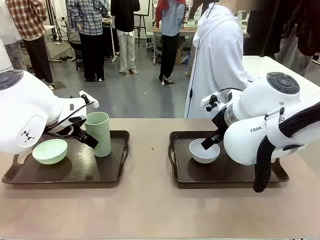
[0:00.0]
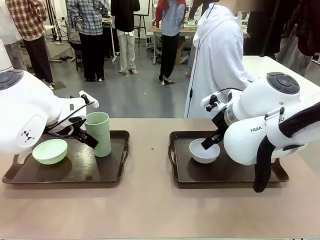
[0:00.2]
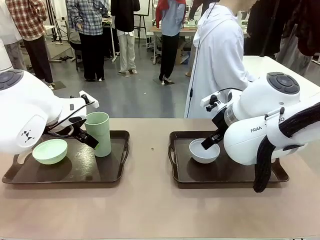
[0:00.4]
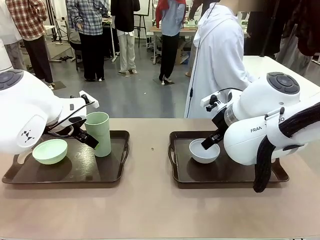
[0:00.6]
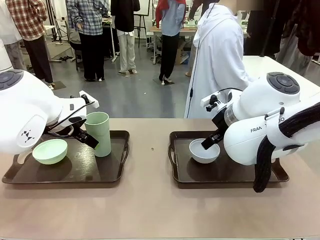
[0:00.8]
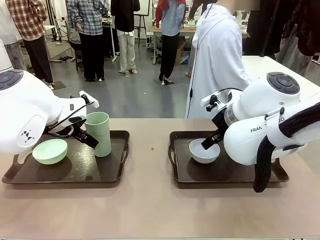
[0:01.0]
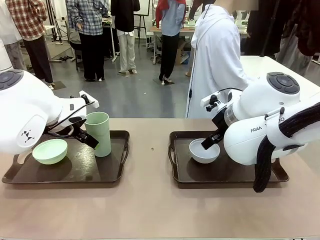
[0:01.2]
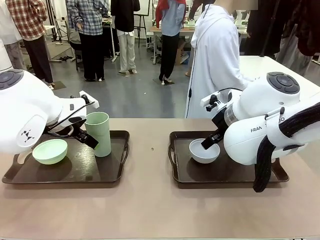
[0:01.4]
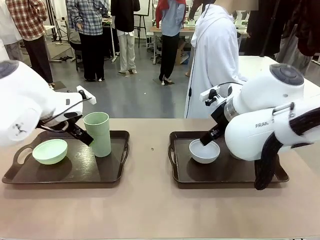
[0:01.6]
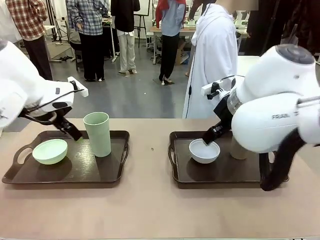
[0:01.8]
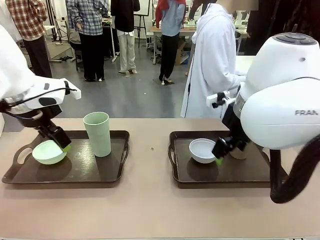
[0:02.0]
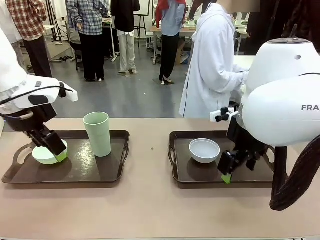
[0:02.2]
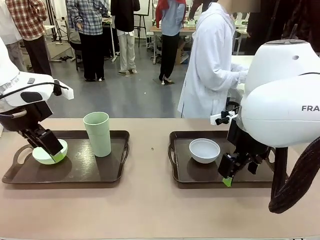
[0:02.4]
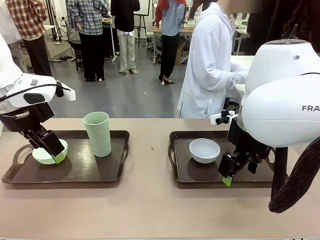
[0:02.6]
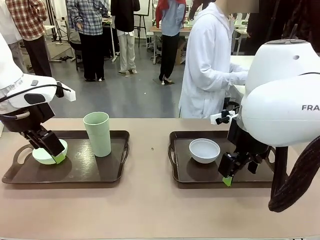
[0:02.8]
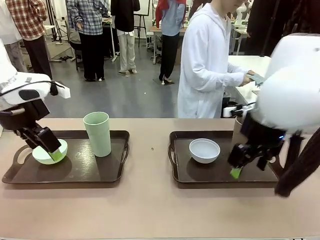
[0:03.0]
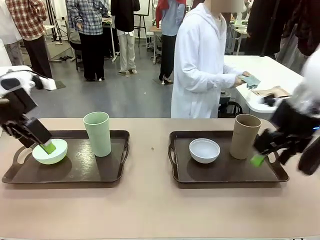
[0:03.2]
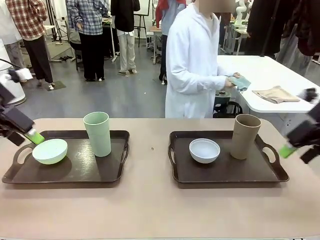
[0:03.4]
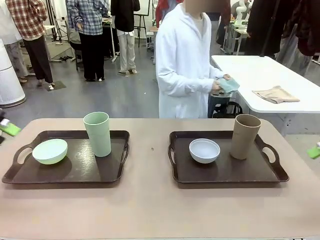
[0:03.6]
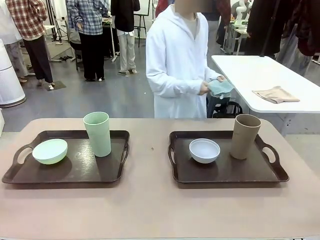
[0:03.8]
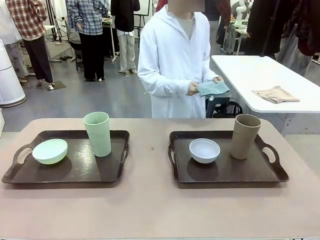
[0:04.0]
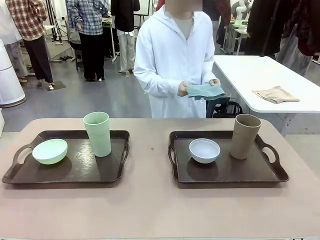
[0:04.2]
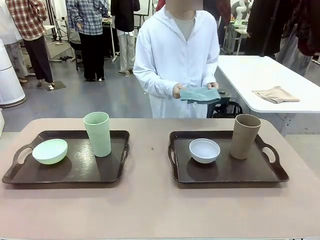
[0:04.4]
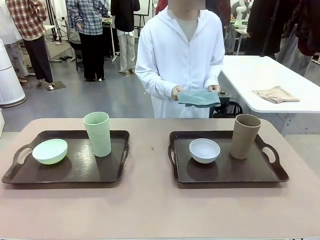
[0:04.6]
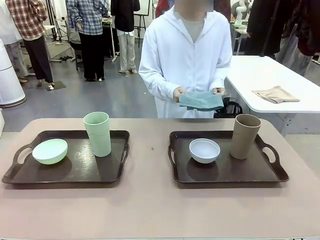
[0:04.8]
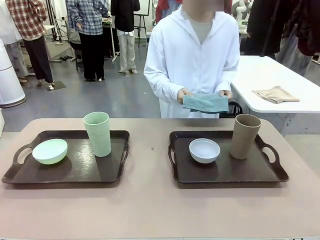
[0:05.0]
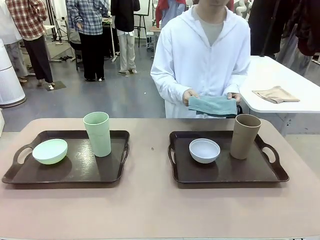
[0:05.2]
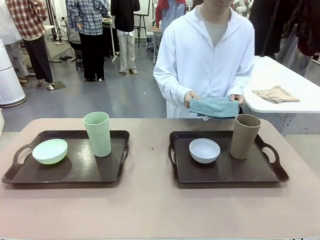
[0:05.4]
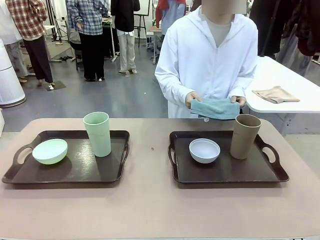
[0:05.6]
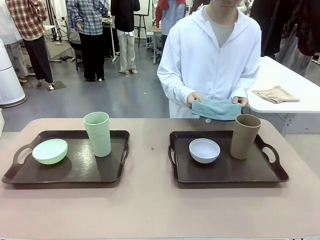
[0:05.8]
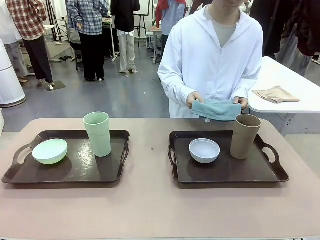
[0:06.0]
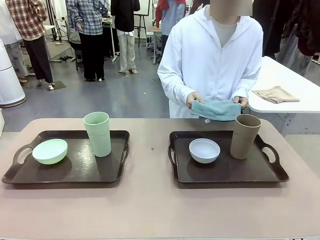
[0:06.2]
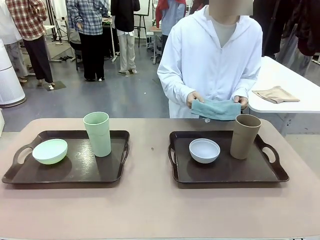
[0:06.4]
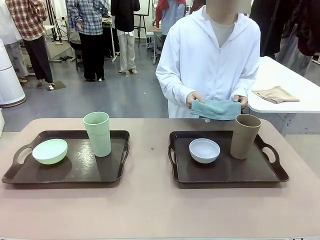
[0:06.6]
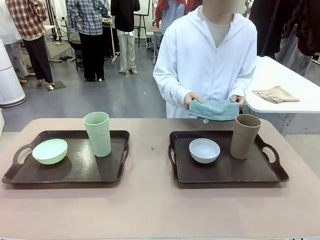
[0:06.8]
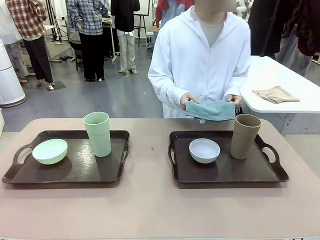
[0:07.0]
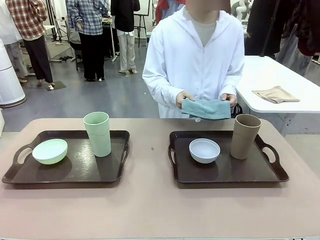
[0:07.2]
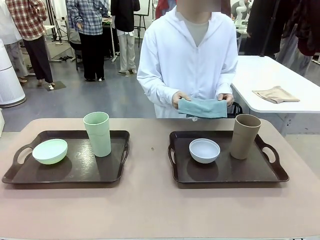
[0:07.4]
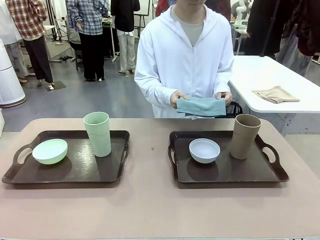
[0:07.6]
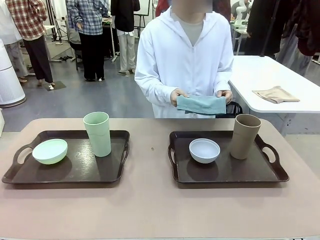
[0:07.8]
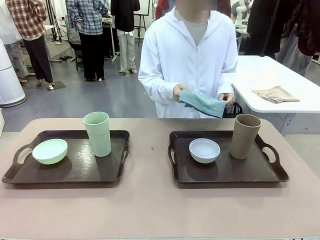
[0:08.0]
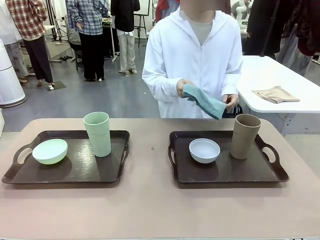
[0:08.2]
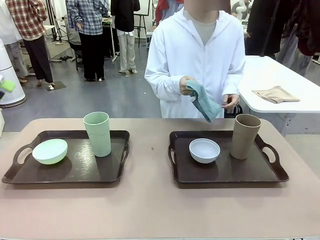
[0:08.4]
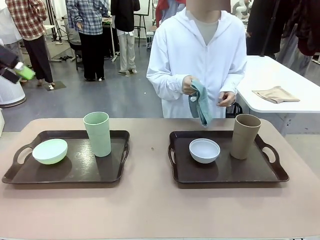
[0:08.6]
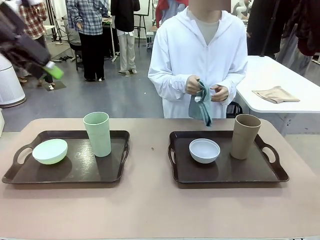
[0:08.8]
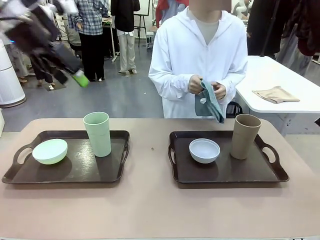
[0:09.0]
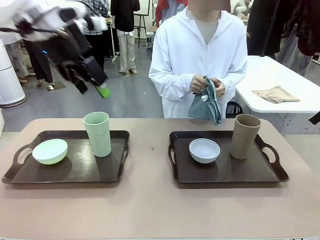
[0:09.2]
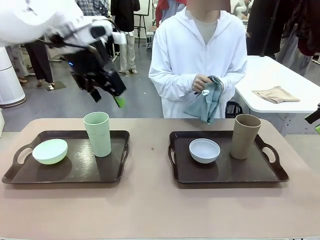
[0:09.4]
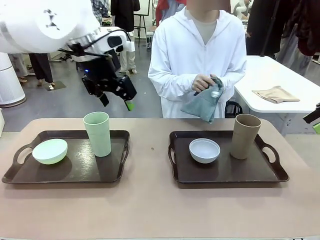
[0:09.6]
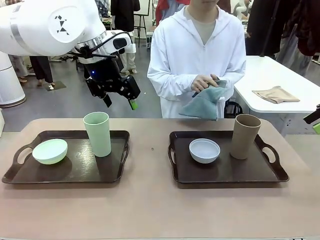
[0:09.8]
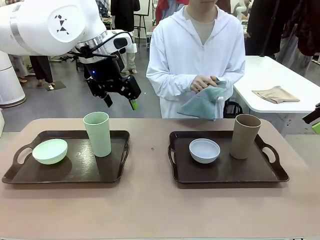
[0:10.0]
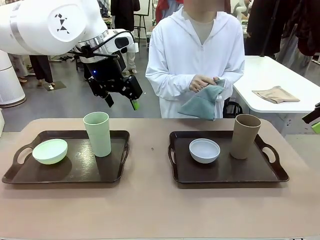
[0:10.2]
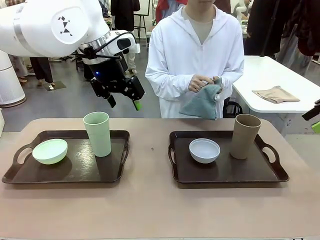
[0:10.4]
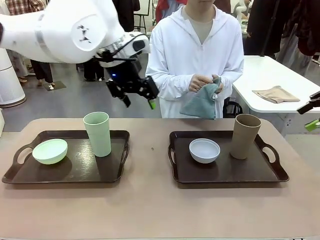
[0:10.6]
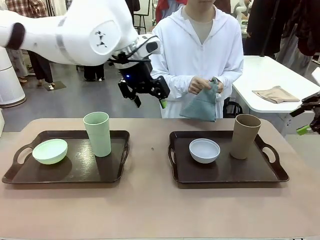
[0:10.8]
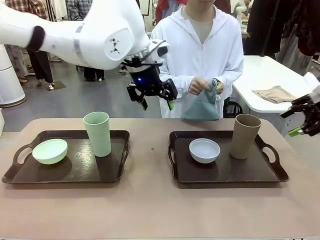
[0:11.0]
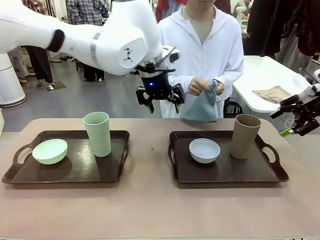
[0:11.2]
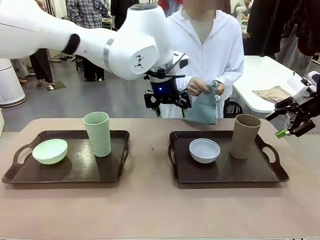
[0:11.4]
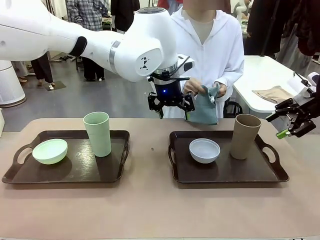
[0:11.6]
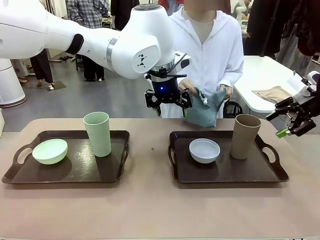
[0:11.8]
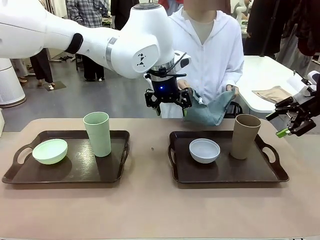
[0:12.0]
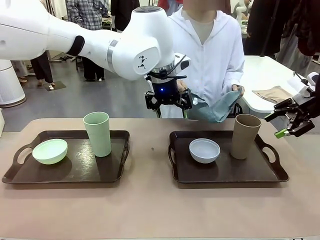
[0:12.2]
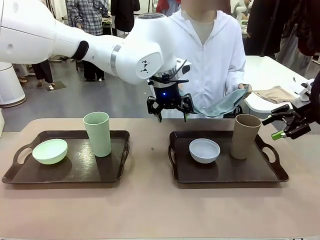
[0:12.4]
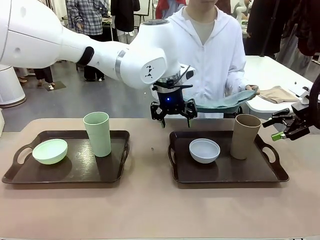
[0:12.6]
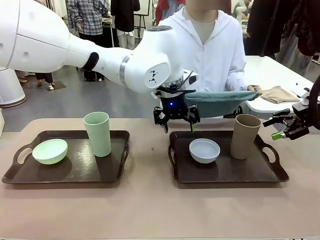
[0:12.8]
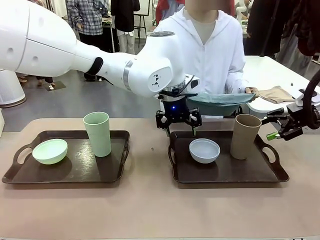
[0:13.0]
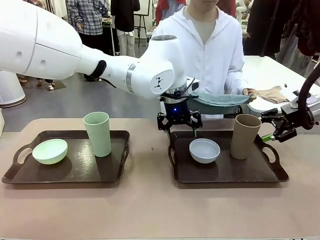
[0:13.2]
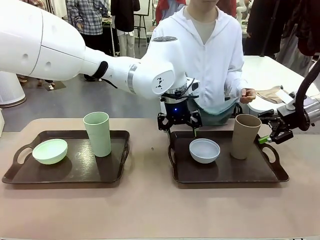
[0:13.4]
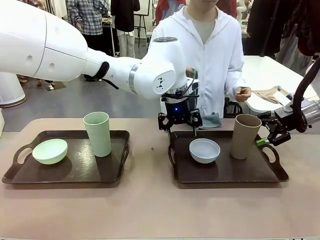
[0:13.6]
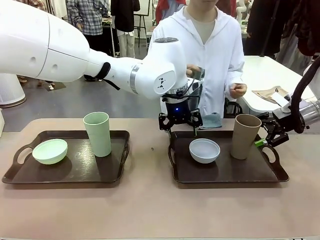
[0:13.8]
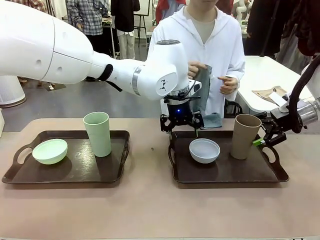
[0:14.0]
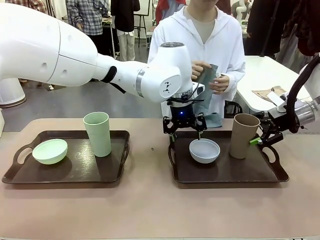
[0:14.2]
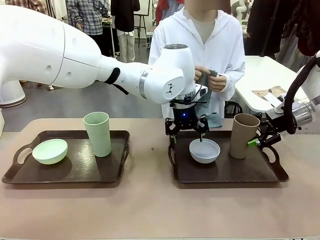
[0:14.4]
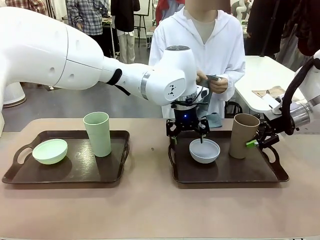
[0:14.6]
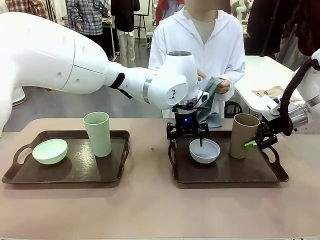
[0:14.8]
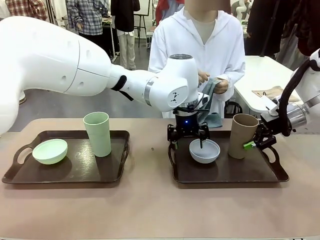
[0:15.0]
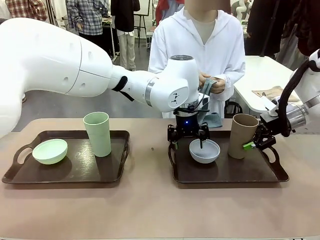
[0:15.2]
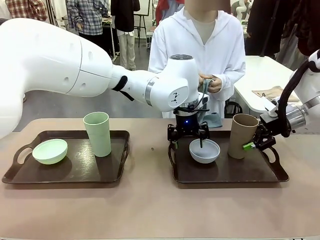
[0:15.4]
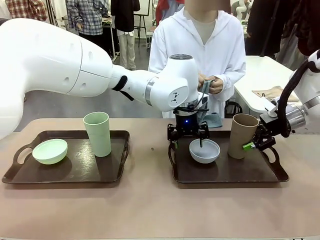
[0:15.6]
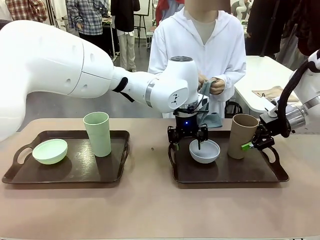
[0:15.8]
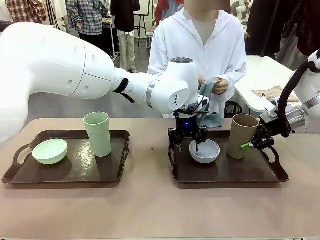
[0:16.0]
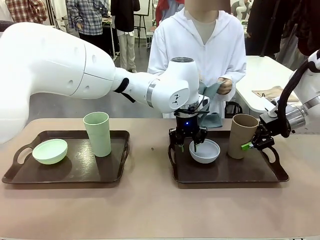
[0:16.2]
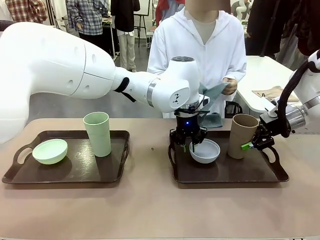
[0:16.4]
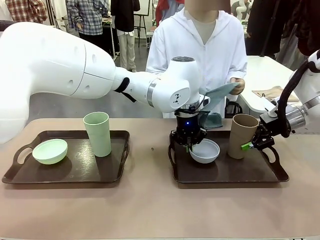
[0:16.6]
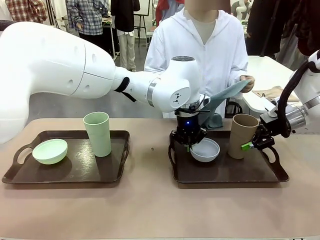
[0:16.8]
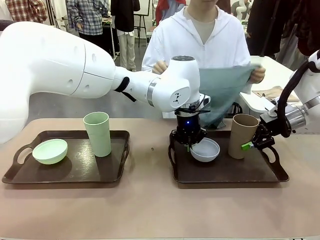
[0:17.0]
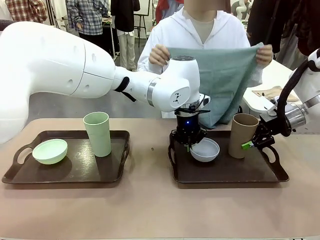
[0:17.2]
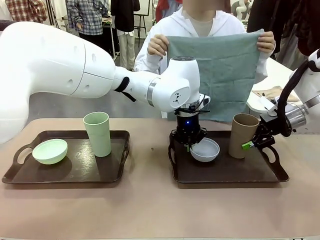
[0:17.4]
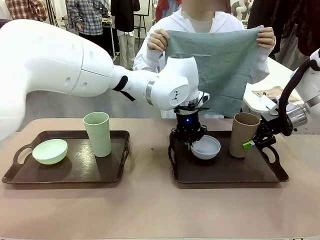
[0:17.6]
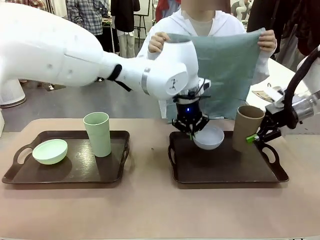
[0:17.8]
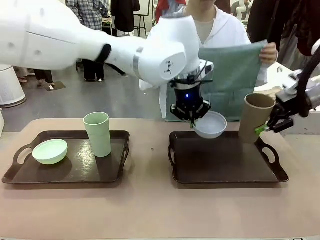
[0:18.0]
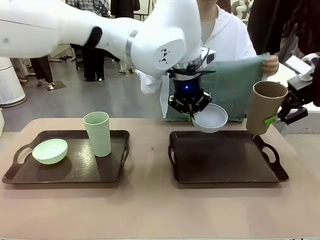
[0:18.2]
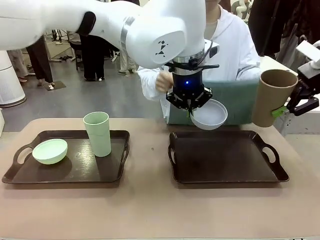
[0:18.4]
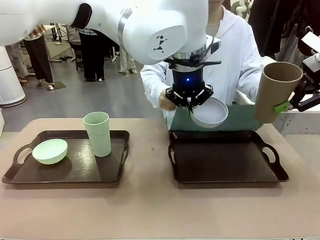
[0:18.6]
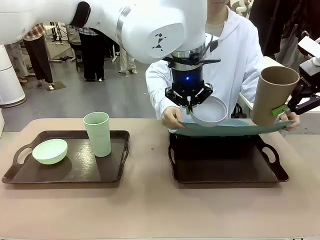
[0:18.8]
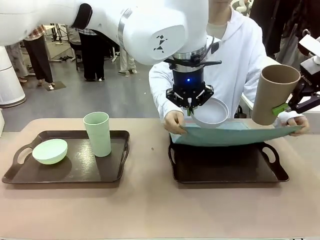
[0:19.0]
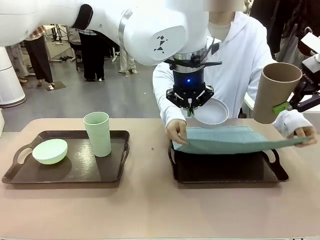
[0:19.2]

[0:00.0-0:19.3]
Robot: Pick up the Picnic Bowl and Reusable plastic cup from the Handle tray in front of the human's position and hold them in the air.
Person: The human picks up the top napkin from the stack on the human table and walks to the robot table to stand in front of one of the two trays. When the robot lifts the bowl and the cup, the human unfolds the napkin and lays the napkin flat on the tray.
